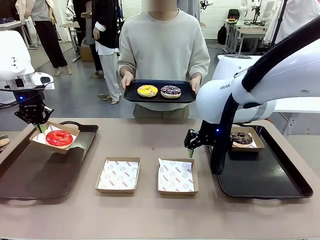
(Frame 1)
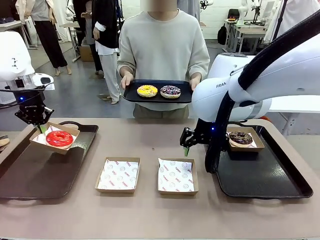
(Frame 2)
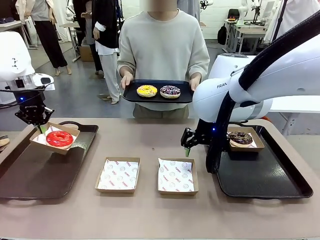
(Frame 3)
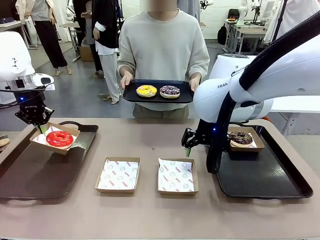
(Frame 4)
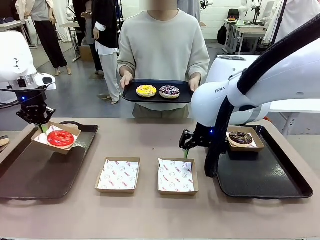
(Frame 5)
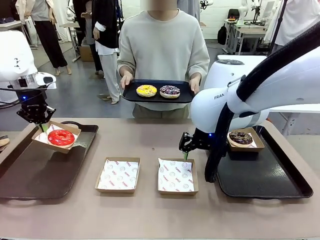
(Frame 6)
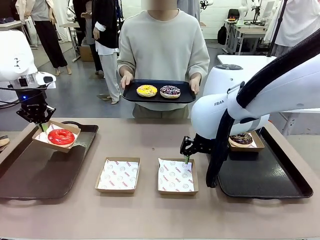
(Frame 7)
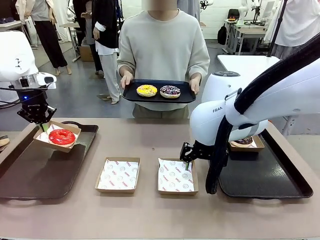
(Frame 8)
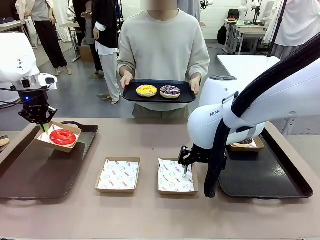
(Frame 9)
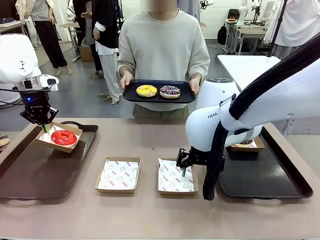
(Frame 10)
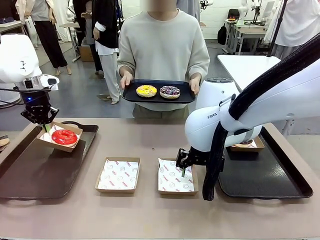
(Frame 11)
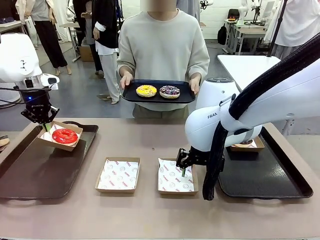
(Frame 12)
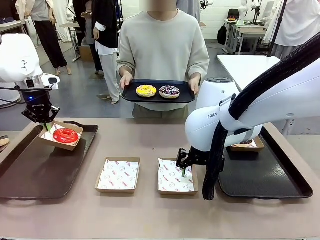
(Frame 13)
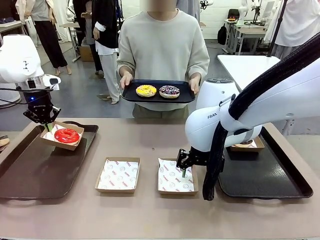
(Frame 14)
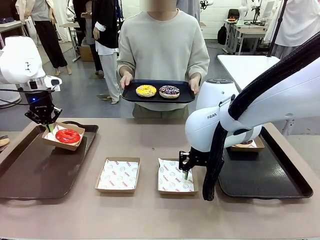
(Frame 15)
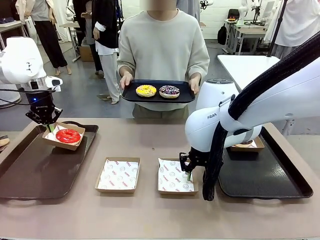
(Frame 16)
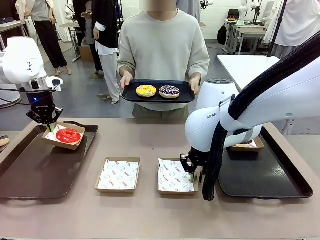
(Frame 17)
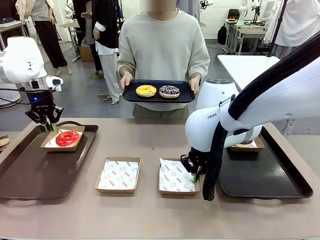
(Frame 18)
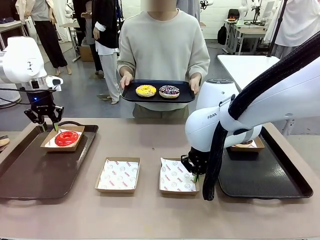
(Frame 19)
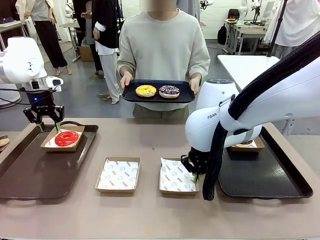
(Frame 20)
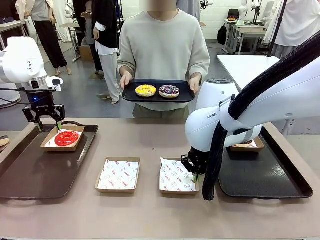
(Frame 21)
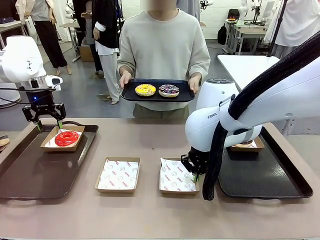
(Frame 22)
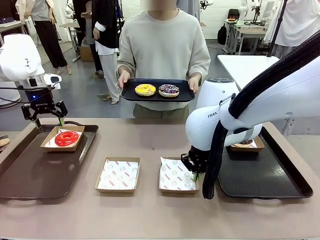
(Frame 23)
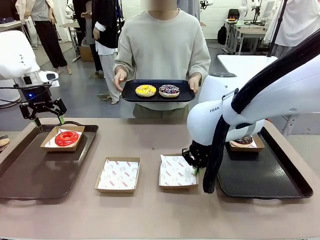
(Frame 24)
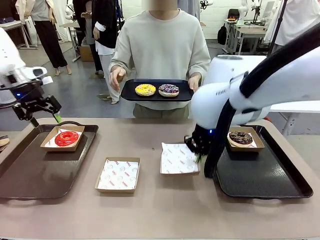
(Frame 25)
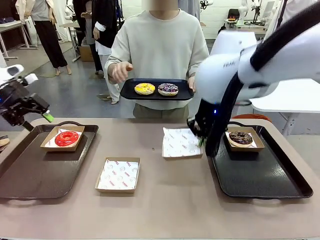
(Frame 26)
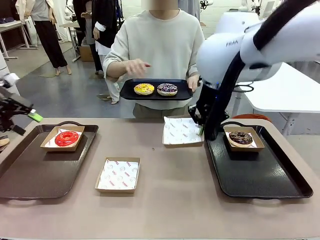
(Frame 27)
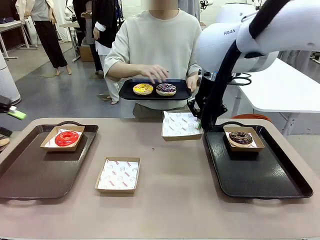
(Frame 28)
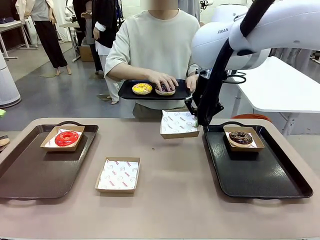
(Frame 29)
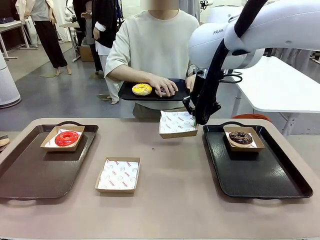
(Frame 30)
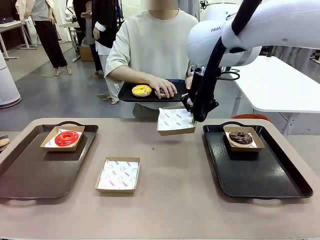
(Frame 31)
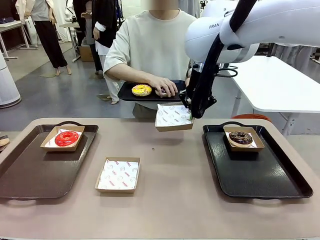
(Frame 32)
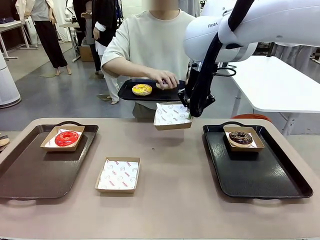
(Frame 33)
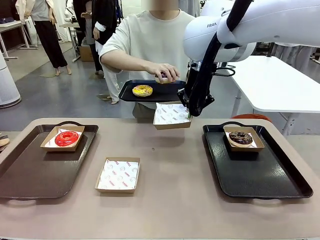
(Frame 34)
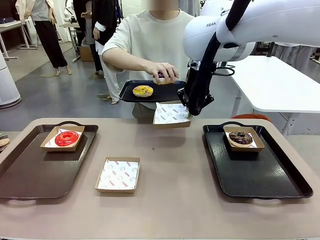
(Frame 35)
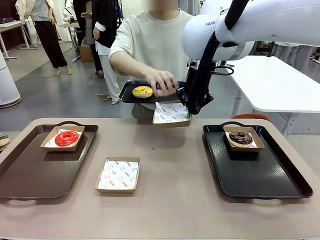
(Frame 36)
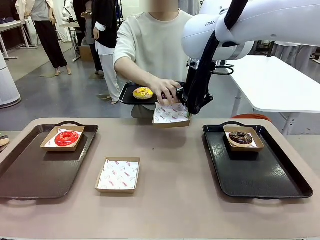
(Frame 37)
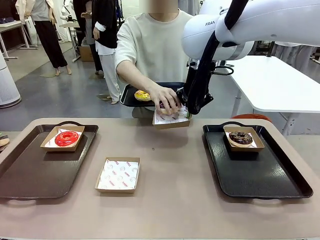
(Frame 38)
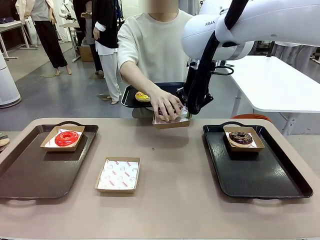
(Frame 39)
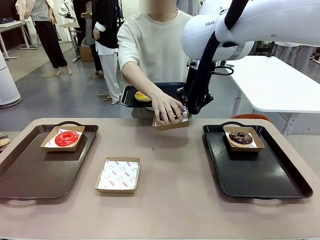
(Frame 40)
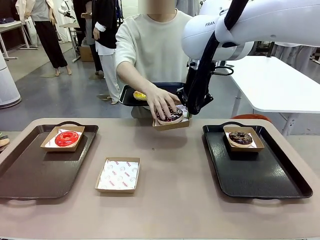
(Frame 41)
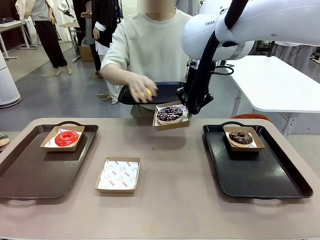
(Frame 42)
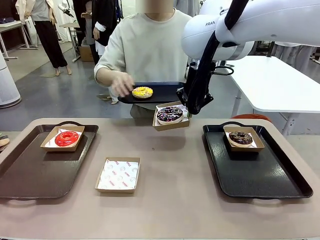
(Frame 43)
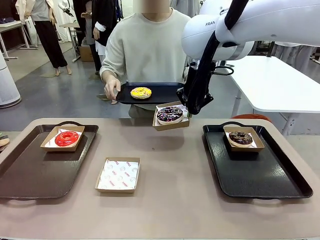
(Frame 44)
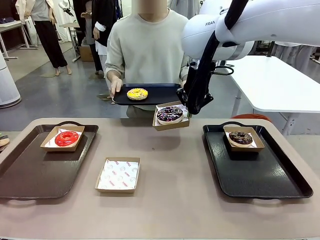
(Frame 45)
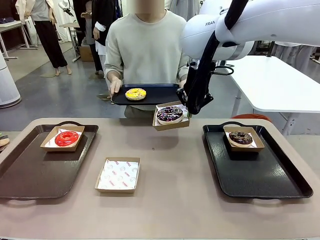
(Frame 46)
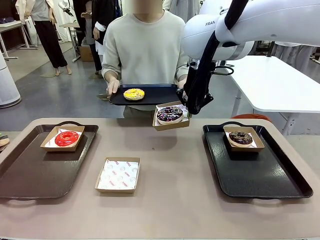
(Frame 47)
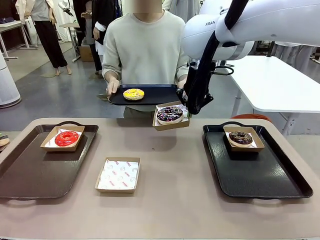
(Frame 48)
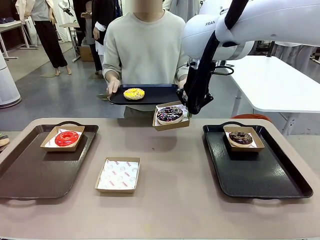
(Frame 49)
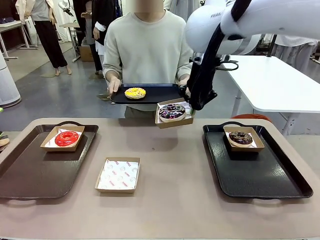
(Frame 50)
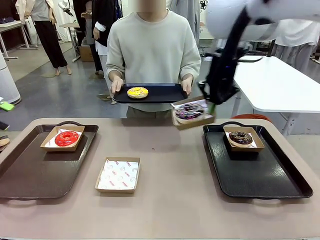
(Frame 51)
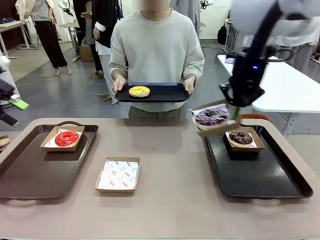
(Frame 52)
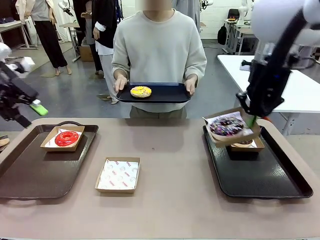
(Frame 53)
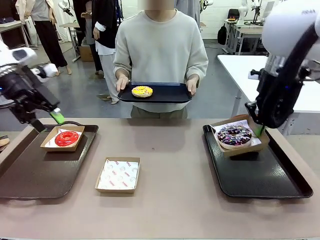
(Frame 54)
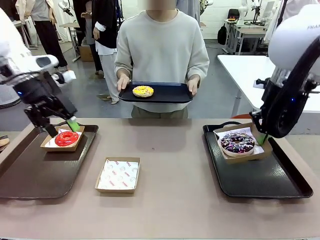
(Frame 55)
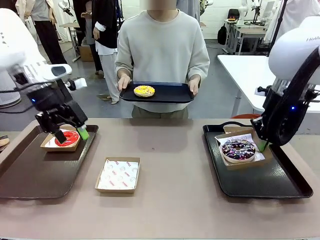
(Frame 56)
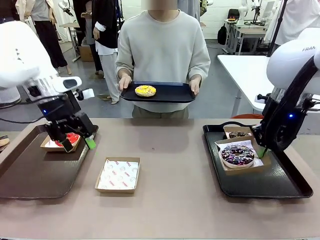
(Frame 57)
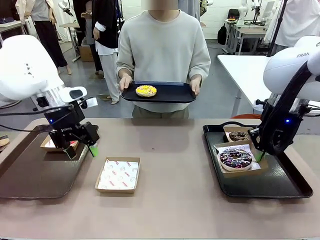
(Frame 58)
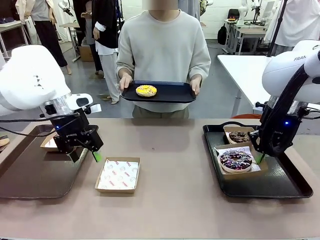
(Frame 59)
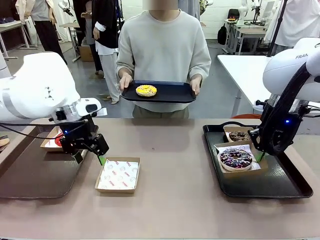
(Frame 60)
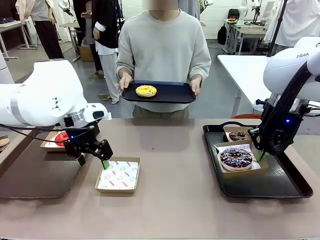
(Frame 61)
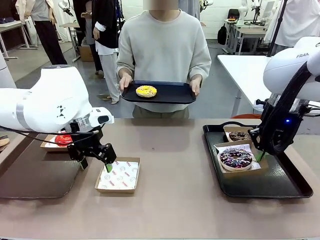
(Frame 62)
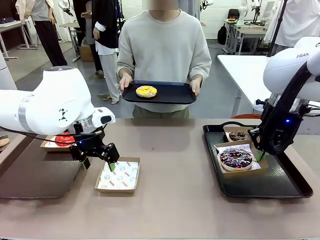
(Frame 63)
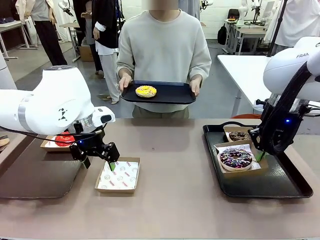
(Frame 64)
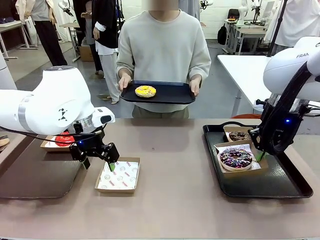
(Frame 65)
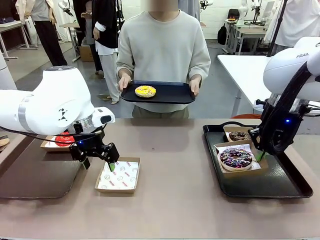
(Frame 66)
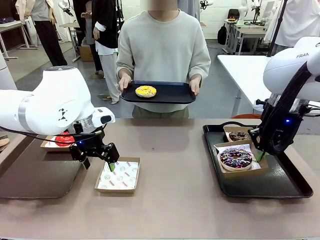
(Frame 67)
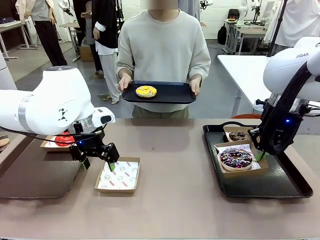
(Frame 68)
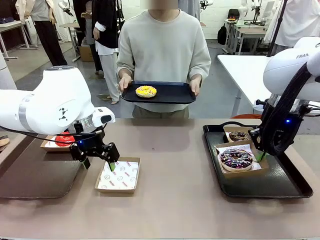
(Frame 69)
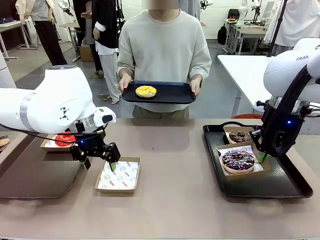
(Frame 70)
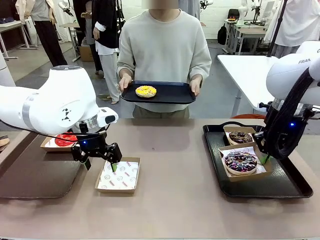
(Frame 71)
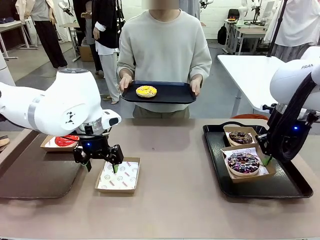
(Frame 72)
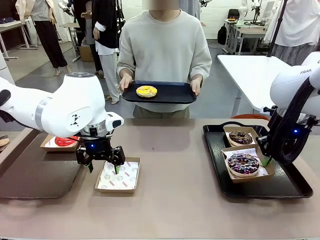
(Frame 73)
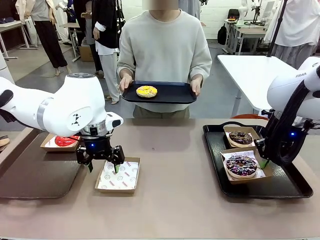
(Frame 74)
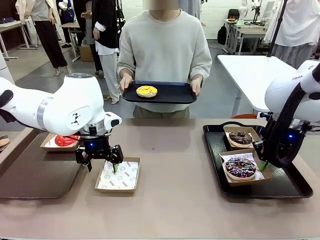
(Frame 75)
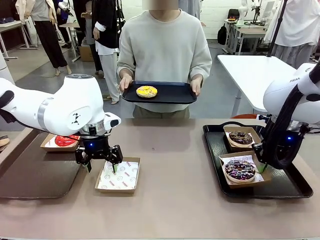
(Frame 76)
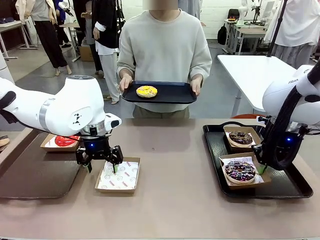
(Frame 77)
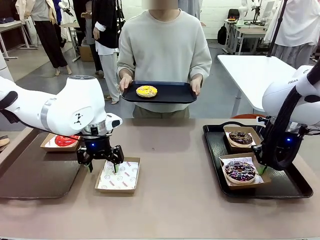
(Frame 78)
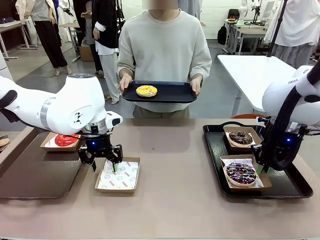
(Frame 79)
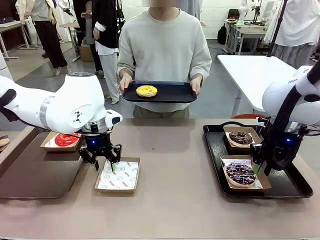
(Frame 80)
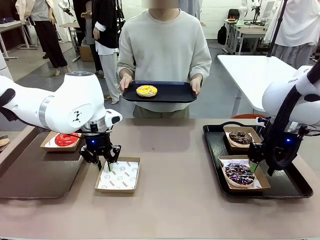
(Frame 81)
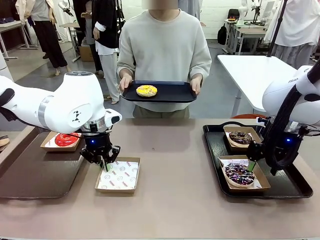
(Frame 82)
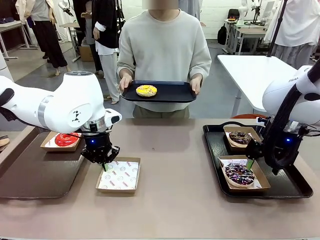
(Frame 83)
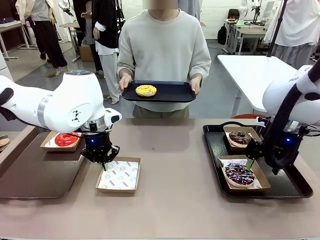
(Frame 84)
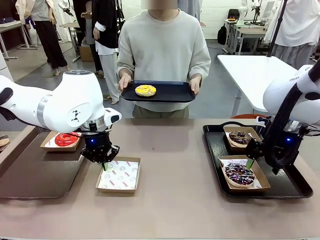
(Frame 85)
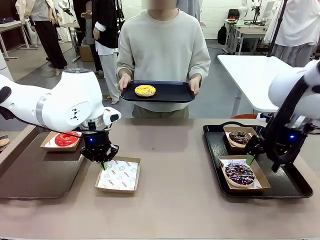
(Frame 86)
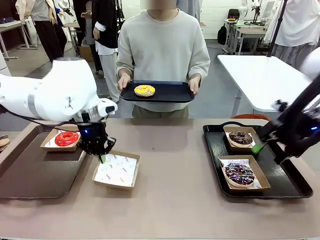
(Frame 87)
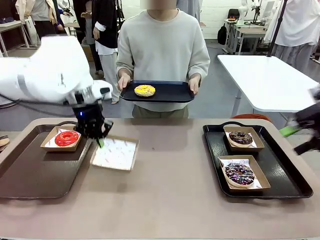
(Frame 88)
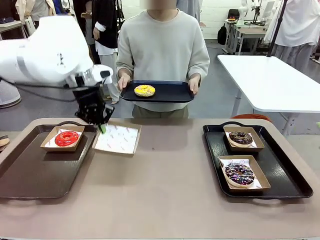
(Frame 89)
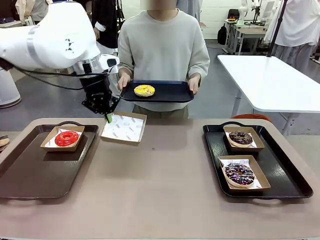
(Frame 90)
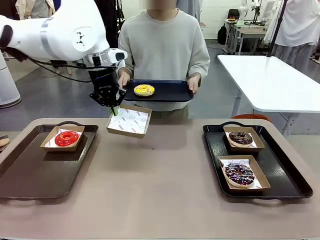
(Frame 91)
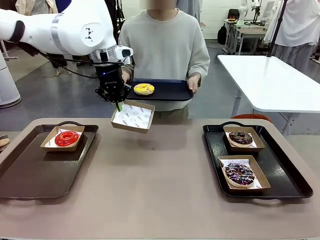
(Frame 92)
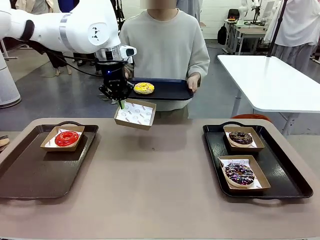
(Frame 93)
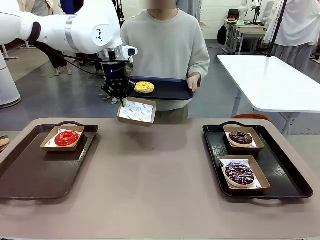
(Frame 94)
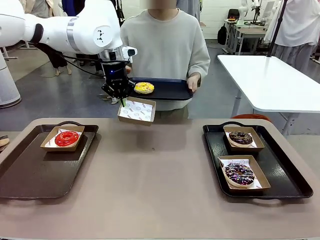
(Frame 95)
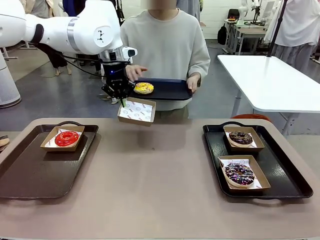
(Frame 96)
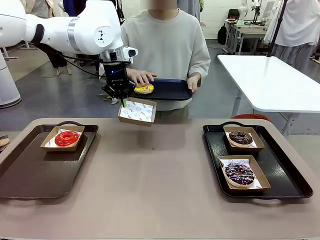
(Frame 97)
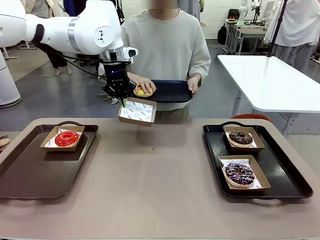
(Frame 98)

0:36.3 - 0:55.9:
Task: Individually package the donuts and arrange them on the tray.
Robot: Place the picked Paper togo box on the Handle tray while simultaneously picking up another Paper togo box from the table with the other hand.
